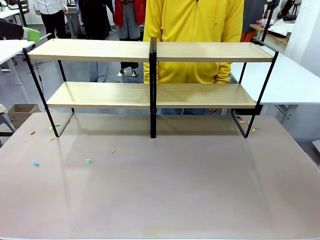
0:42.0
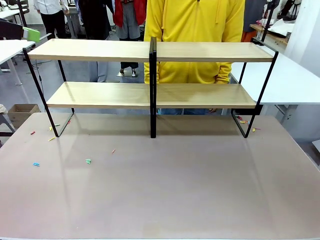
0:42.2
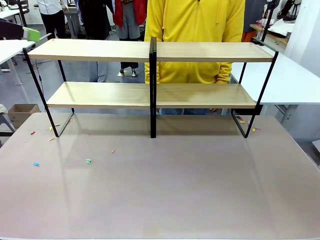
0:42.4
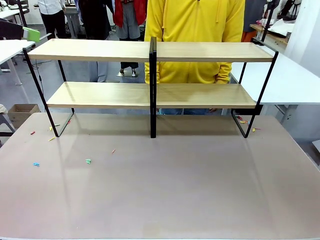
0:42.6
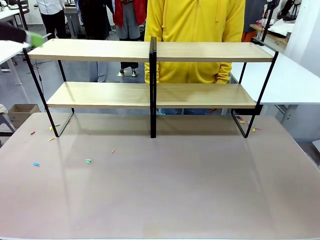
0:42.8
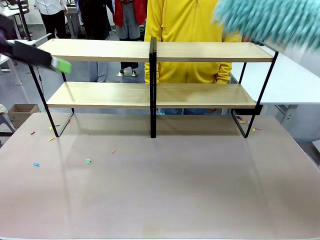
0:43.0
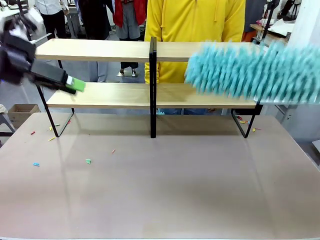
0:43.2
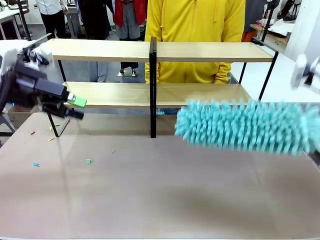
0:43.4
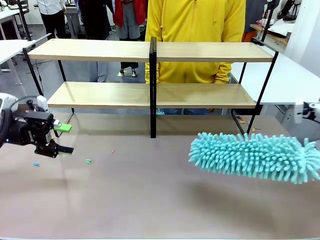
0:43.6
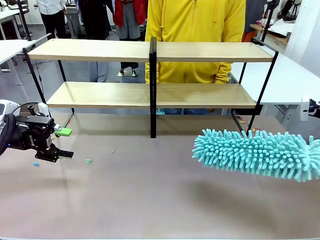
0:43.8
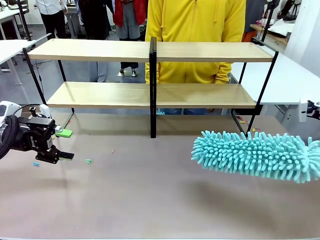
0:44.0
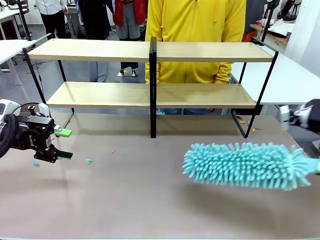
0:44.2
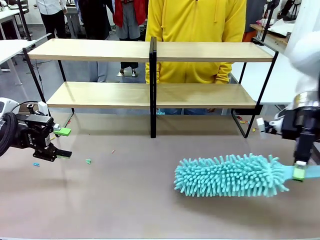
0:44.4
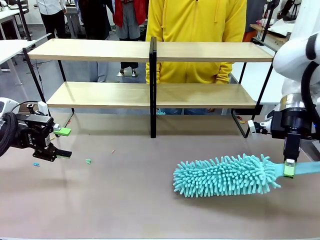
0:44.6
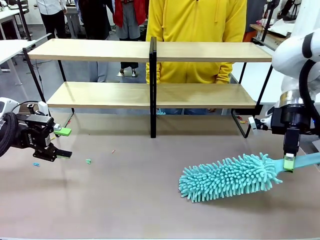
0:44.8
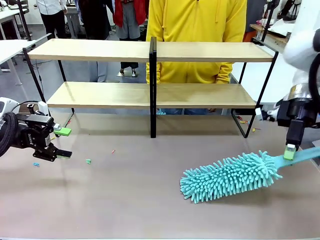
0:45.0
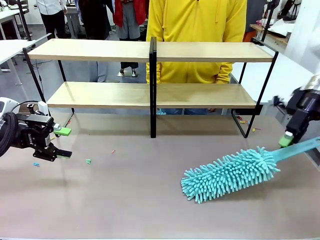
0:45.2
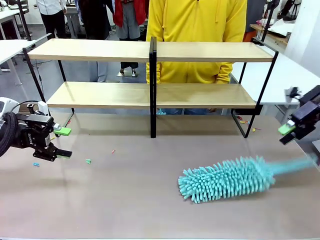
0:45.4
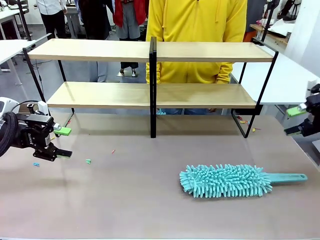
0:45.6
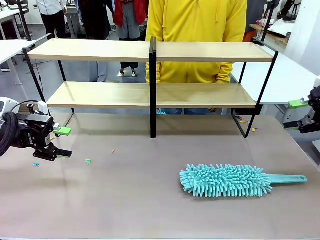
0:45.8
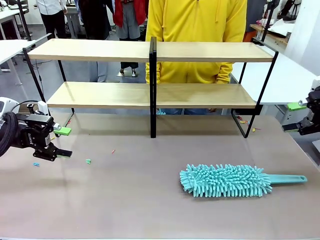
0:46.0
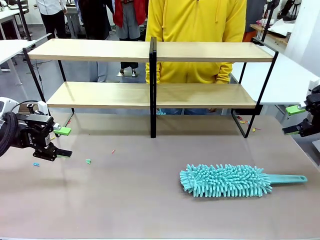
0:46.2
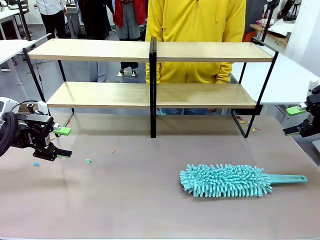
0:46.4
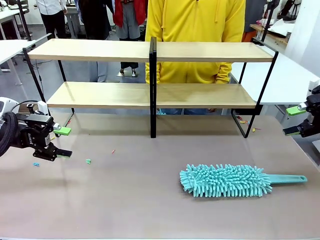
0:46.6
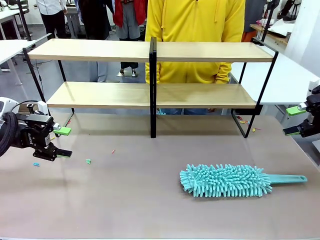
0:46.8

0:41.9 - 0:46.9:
Task: Clean the shelves.
Robot: Place the Duster on the table.

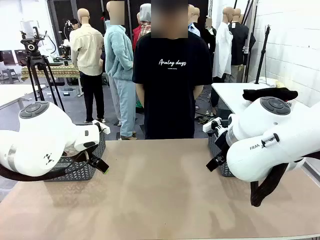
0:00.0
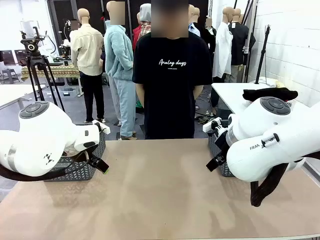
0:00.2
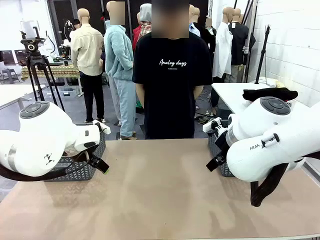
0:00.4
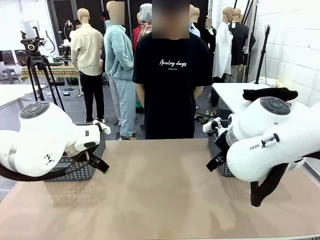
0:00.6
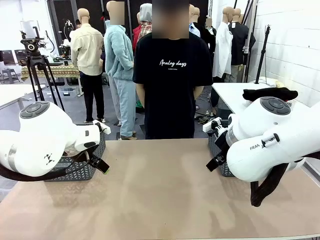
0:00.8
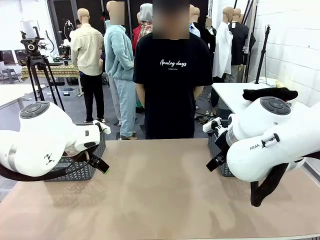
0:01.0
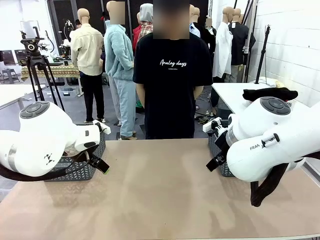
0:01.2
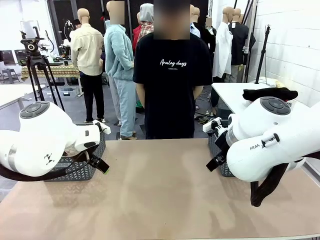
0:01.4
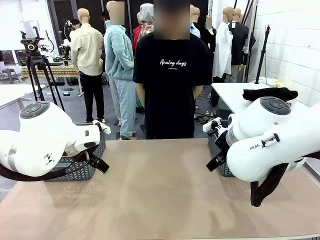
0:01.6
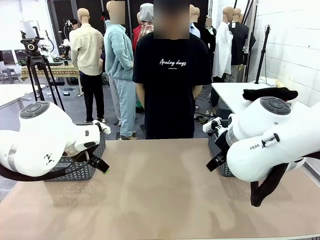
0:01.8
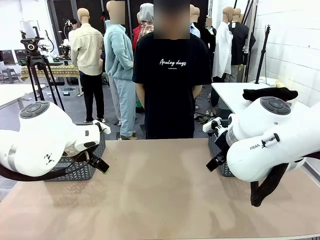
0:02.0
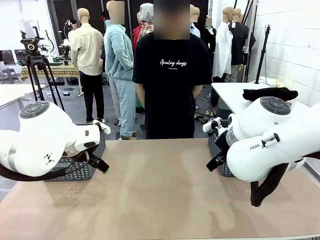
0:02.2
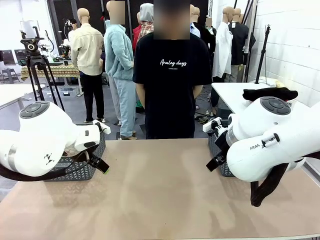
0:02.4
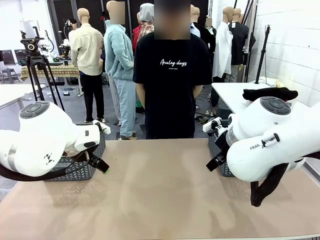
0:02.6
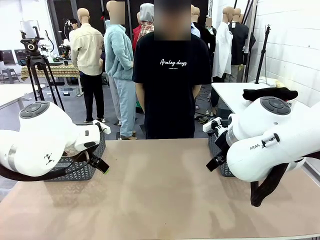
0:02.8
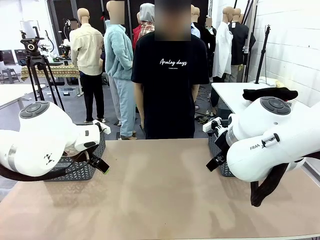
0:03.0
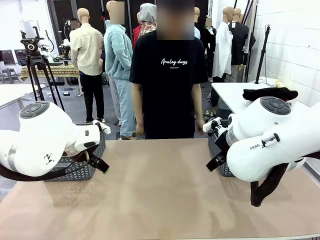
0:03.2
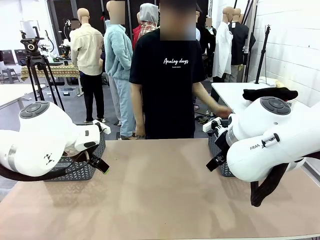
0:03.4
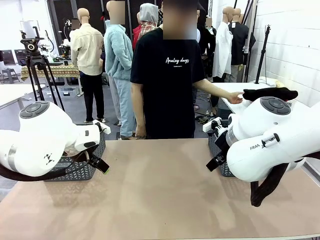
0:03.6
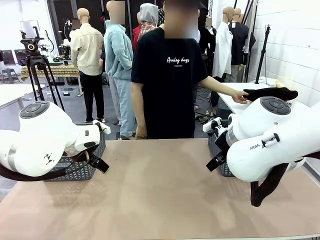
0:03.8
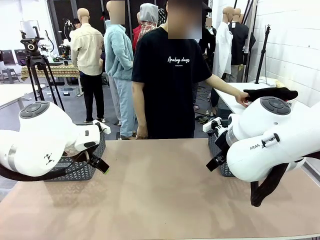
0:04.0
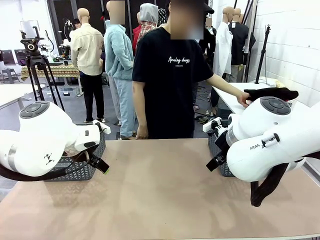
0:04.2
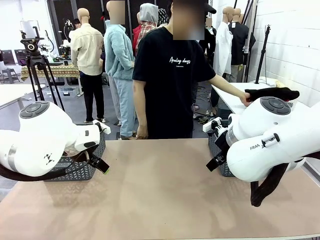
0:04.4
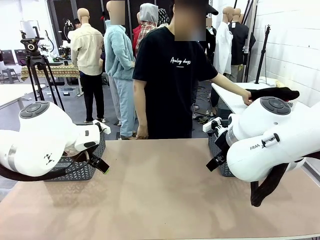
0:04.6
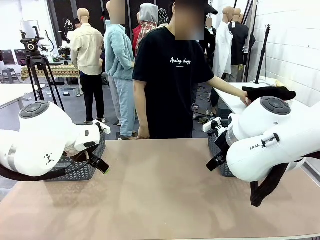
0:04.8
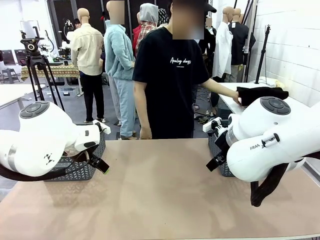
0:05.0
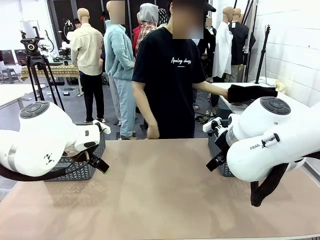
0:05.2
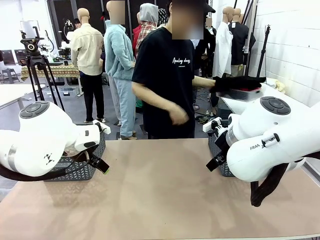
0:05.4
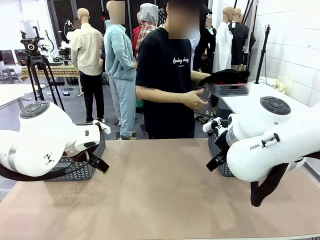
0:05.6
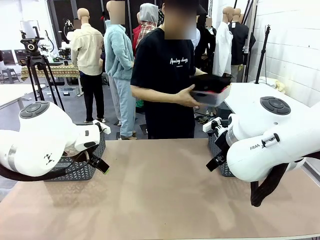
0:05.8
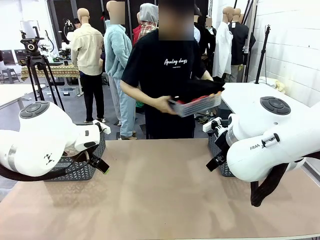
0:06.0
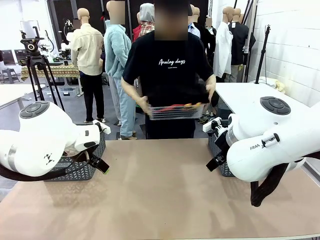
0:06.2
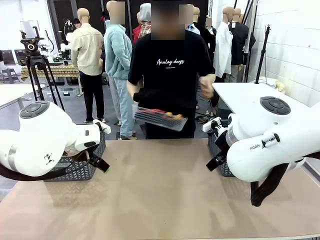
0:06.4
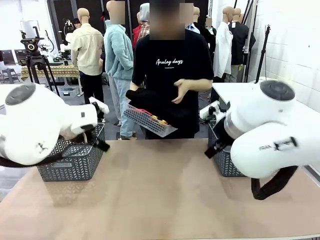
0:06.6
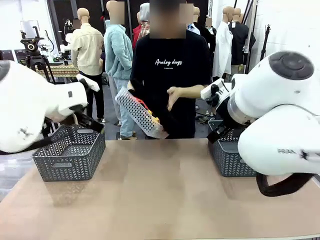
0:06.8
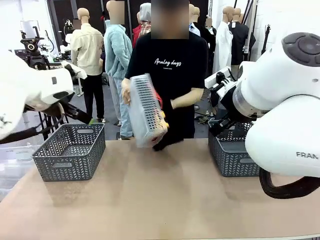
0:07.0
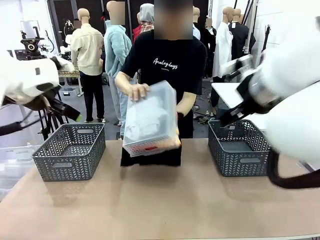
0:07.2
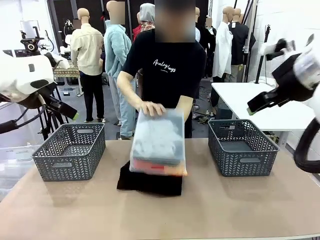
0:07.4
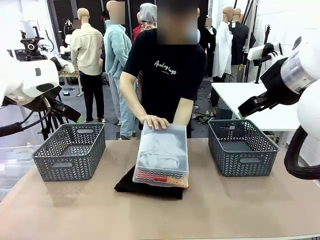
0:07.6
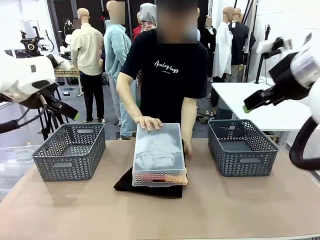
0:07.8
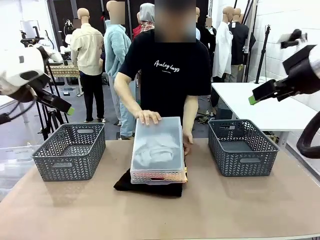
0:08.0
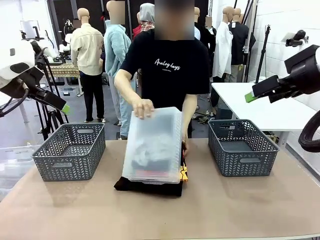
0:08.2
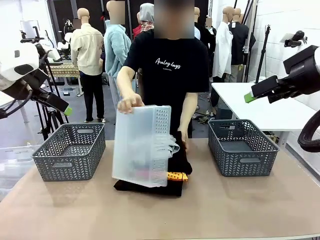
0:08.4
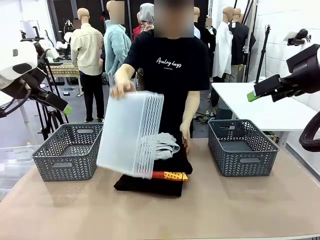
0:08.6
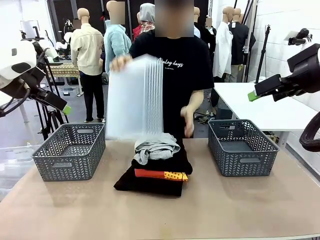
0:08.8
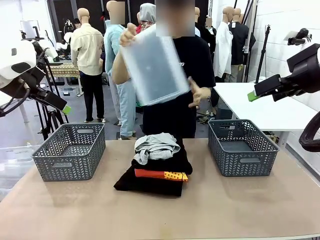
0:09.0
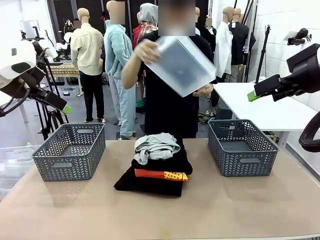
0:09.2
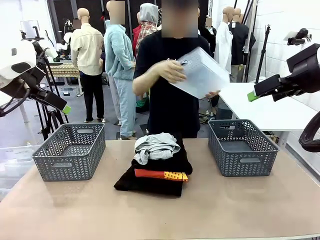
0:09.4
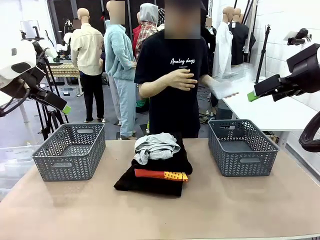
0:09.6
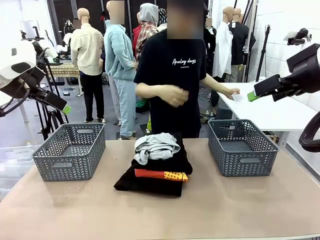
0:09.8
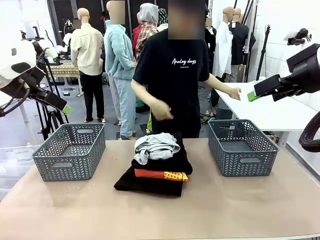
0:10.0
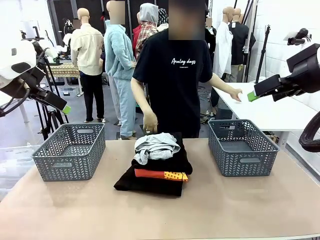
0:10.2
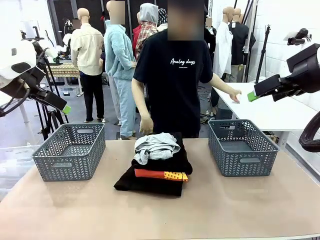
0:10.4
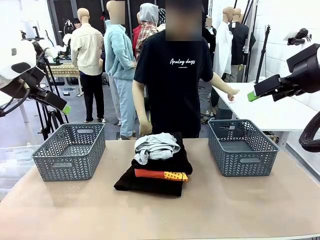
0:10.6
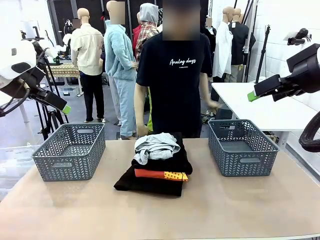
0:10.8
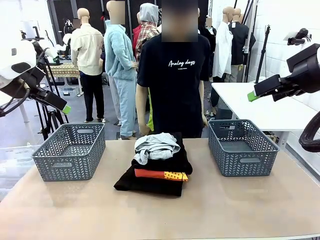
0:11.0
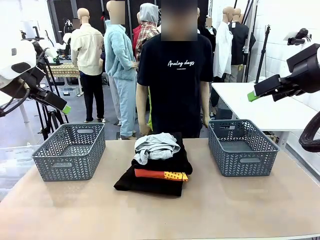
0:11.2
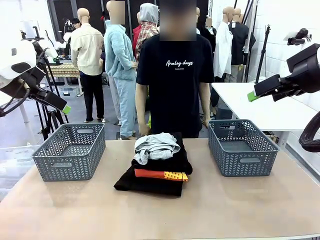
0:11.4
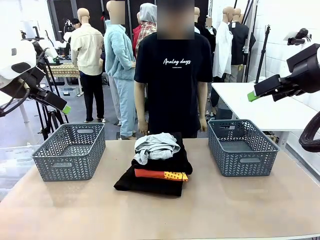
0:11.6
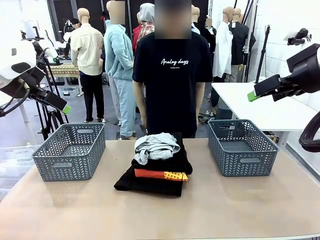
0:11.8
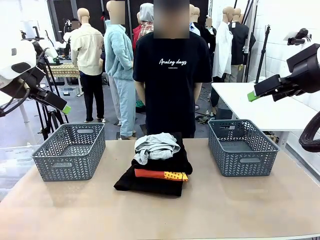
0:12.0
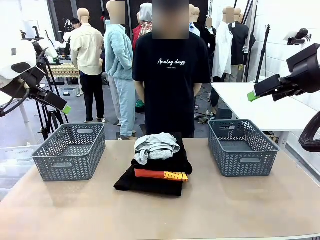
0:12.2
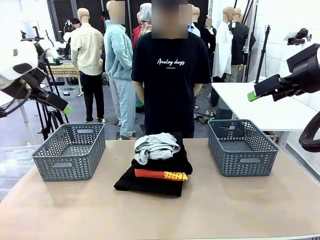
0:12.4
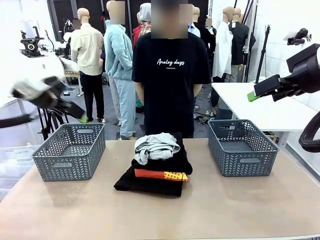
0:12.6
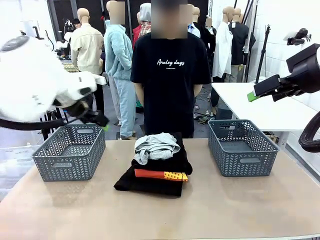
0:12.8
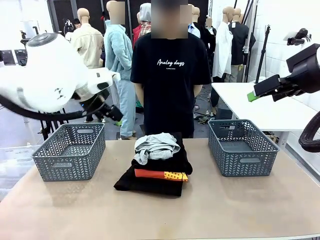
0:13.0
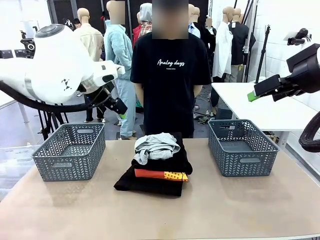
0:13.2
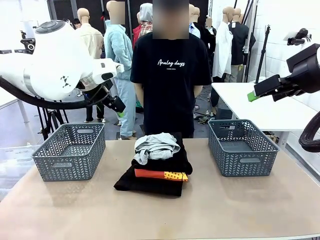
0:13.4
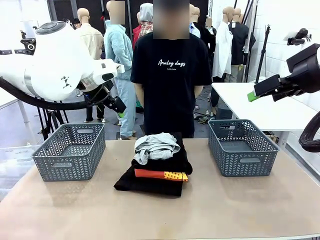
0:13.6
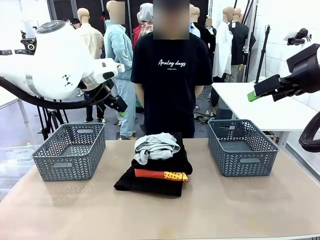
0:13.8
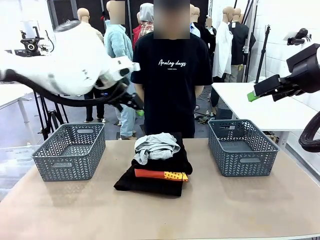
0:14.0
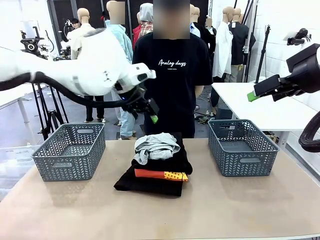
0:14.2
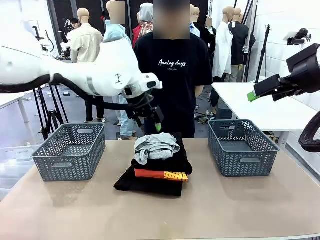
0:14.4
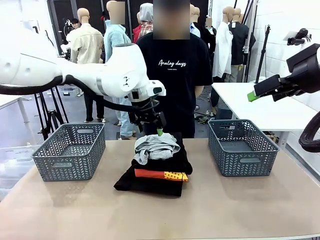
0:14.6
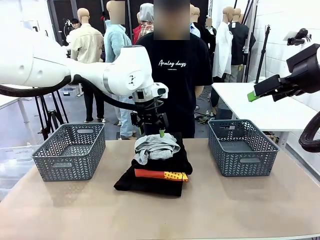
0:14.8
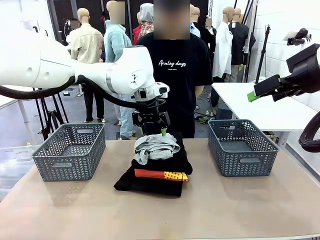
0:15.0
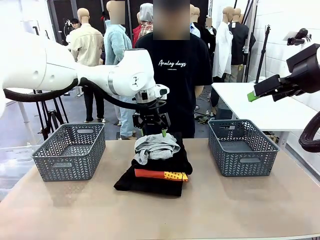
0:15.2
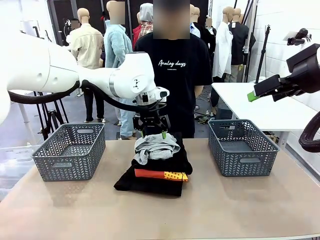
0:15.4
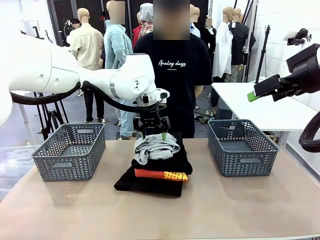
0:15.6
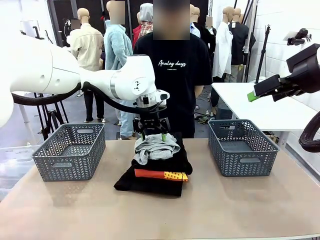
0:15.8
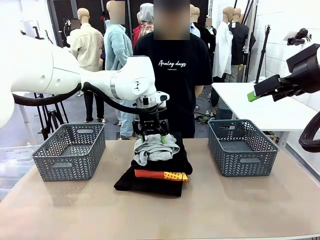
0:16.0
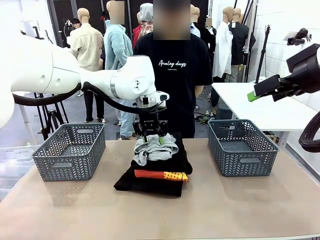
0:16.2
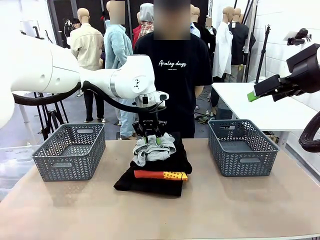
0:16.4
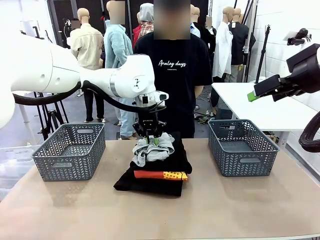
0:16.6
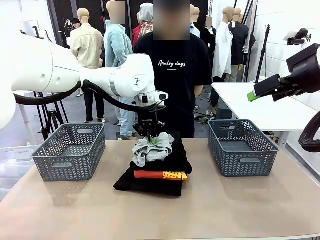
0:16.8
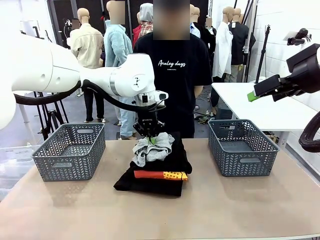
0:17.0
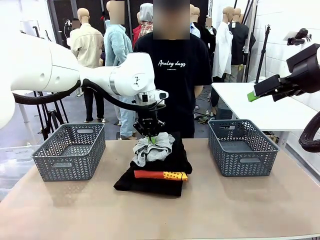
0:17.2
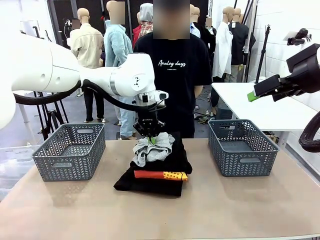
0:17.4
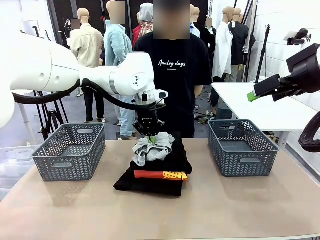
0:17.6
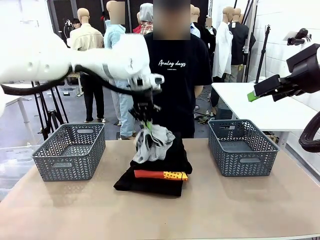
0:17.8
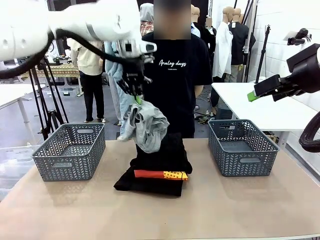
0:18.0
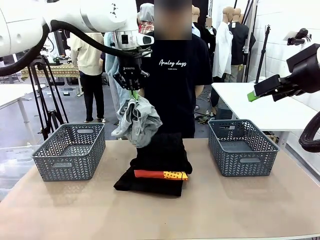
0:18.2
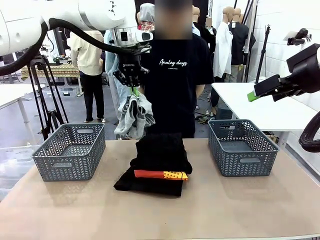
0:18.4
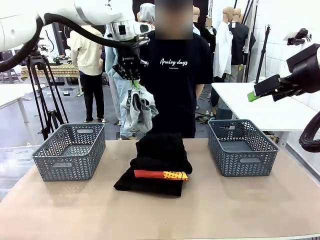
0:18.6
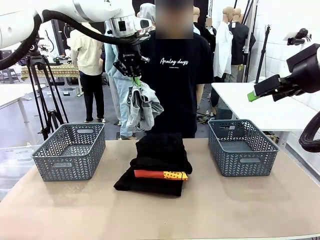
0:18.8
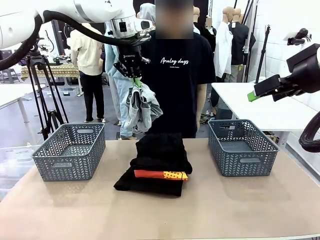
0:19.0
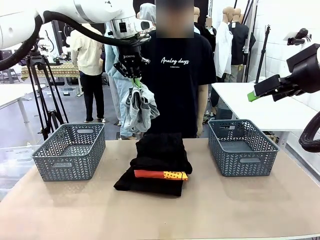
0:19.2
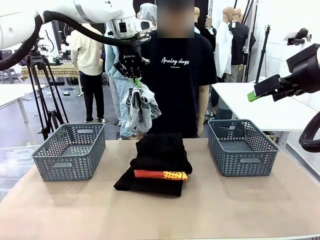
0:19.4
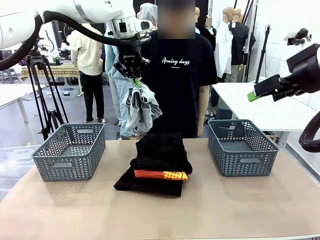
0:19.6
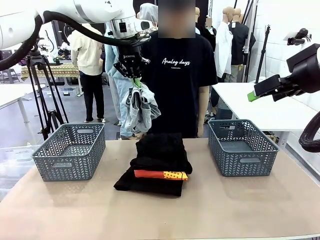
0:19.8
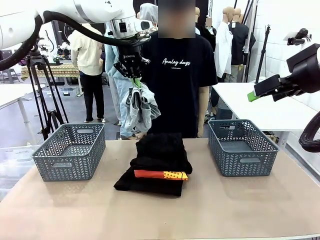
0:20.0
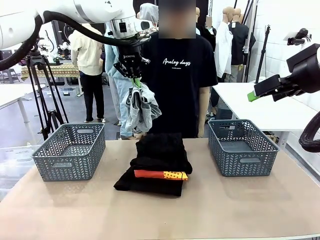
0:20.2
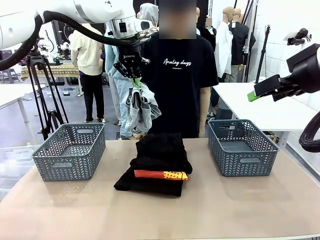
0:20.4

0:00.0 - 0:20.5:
Task: Sort the tops and bottoms.
Robot: Lift clothes from the center of the table with your left hand.
Person: Pour the clothes from the basket onto the center of the robot table.
